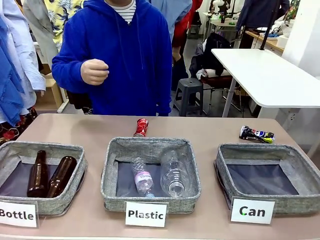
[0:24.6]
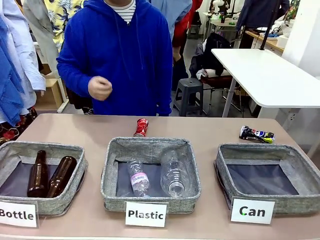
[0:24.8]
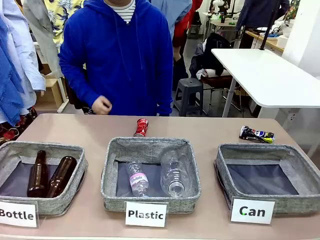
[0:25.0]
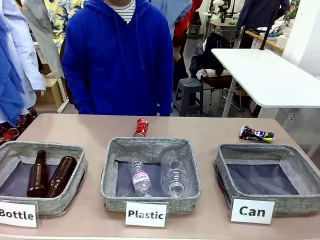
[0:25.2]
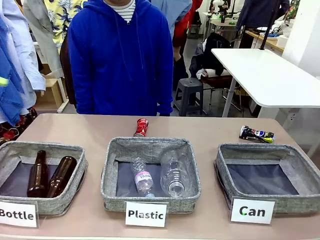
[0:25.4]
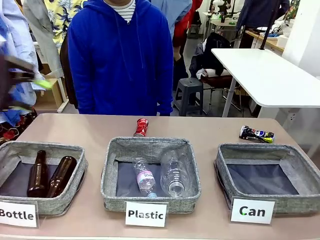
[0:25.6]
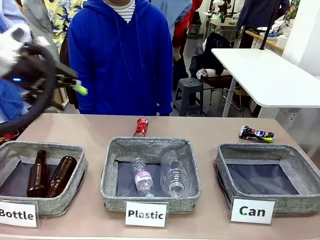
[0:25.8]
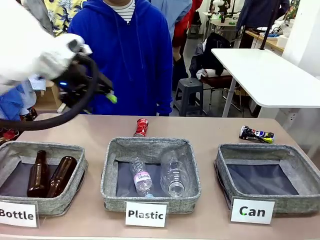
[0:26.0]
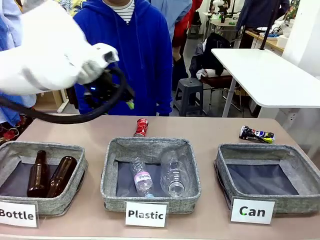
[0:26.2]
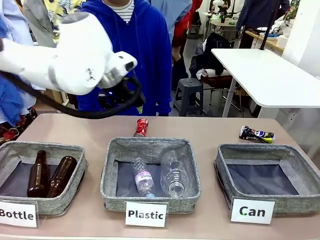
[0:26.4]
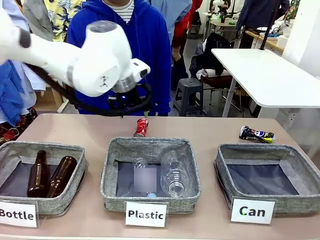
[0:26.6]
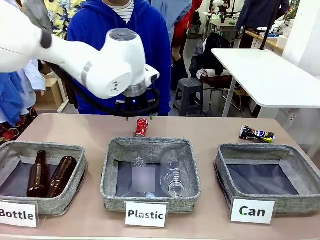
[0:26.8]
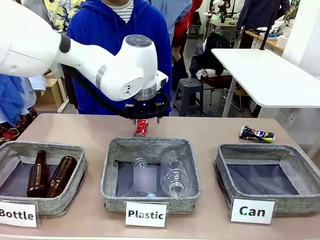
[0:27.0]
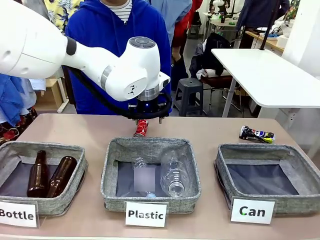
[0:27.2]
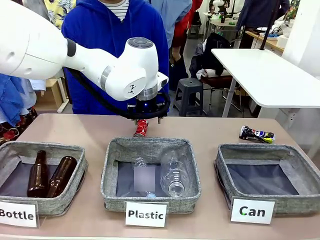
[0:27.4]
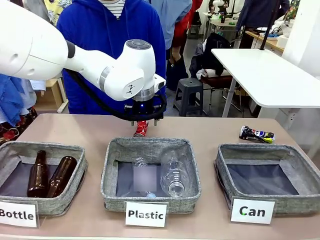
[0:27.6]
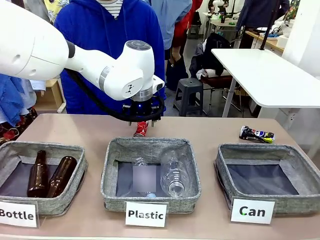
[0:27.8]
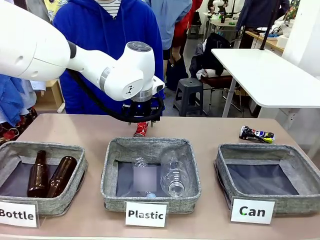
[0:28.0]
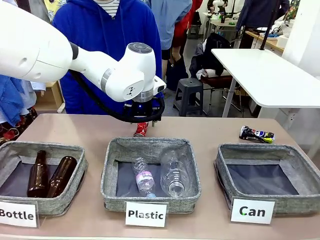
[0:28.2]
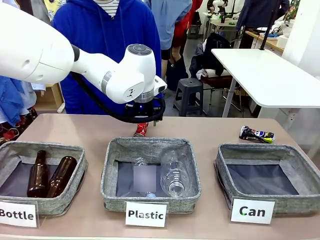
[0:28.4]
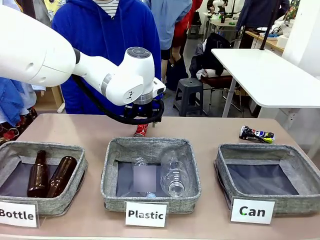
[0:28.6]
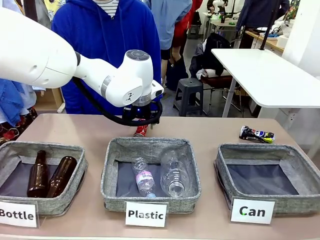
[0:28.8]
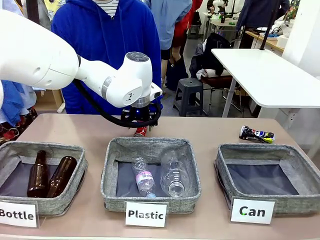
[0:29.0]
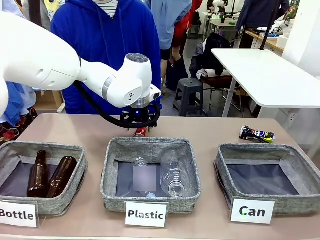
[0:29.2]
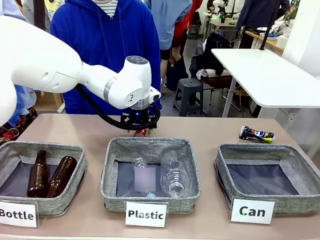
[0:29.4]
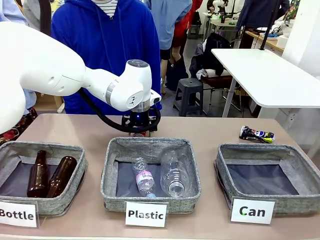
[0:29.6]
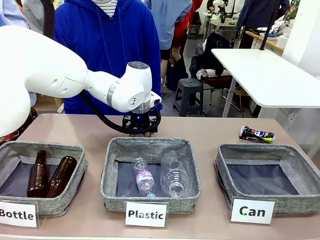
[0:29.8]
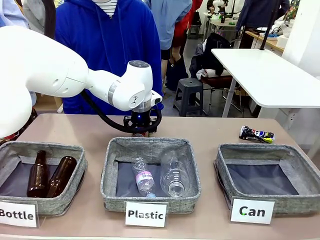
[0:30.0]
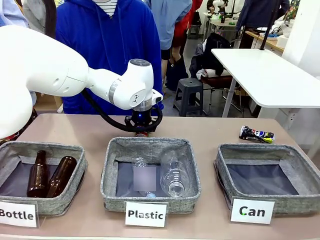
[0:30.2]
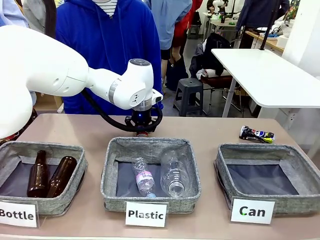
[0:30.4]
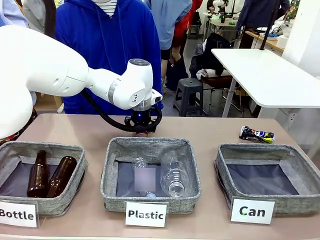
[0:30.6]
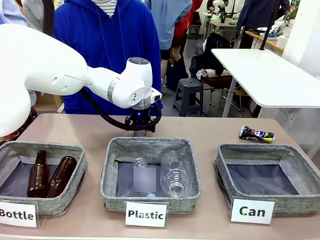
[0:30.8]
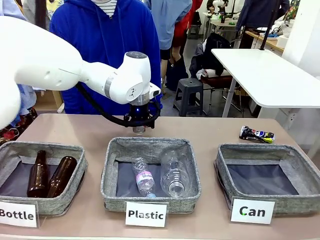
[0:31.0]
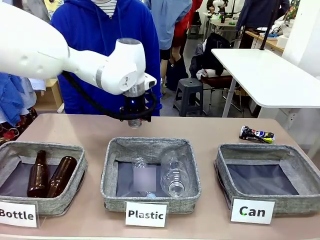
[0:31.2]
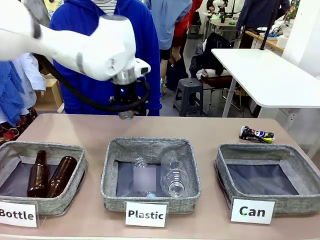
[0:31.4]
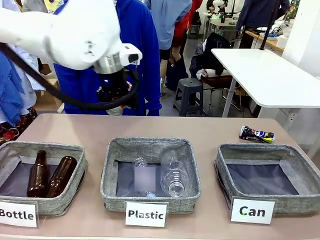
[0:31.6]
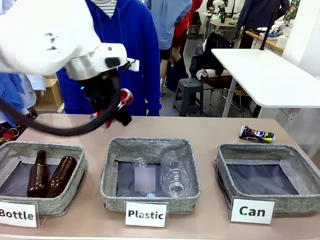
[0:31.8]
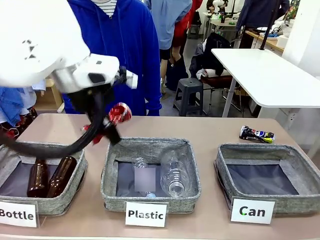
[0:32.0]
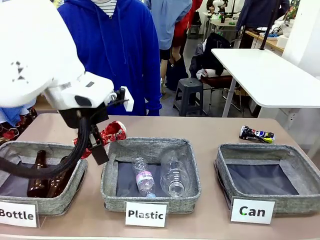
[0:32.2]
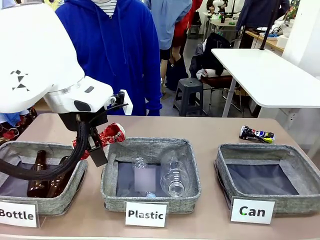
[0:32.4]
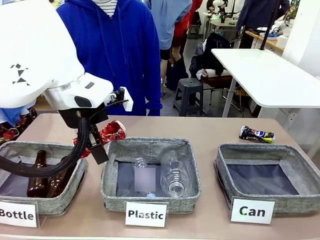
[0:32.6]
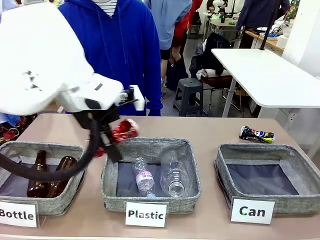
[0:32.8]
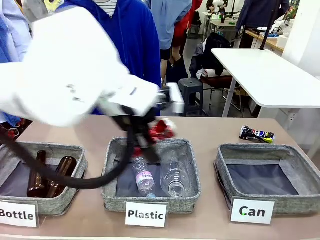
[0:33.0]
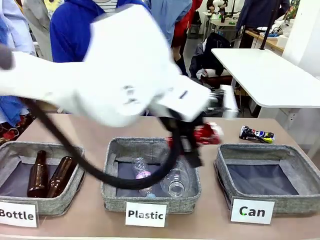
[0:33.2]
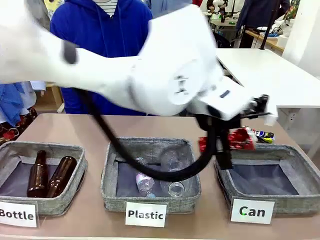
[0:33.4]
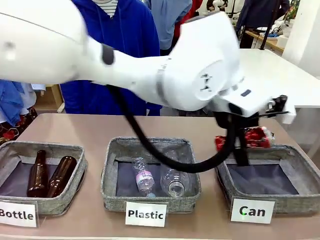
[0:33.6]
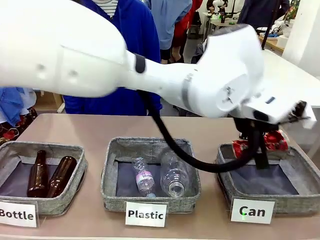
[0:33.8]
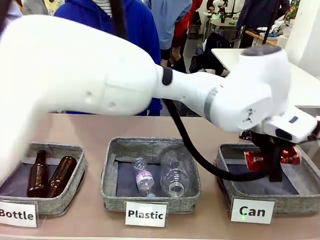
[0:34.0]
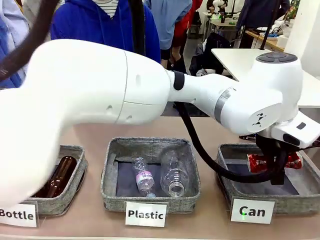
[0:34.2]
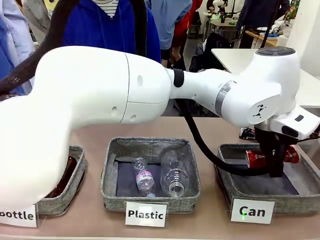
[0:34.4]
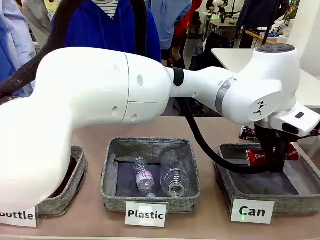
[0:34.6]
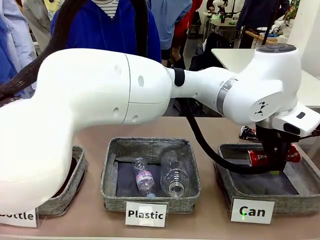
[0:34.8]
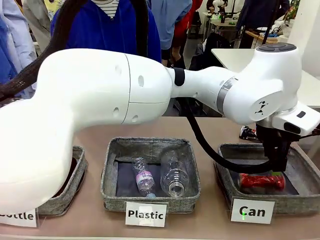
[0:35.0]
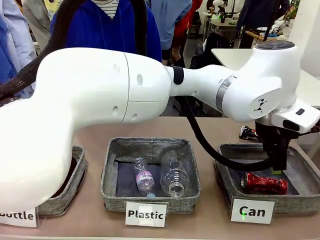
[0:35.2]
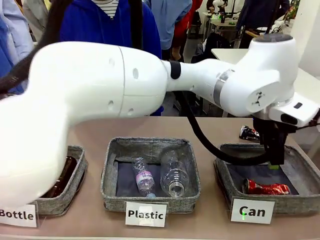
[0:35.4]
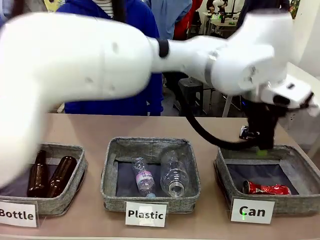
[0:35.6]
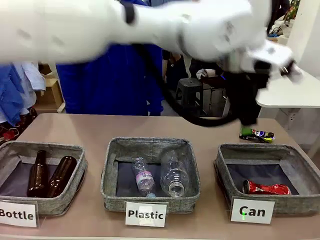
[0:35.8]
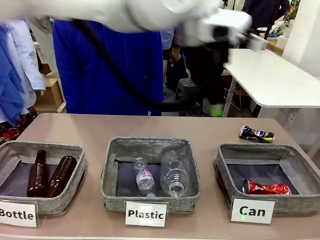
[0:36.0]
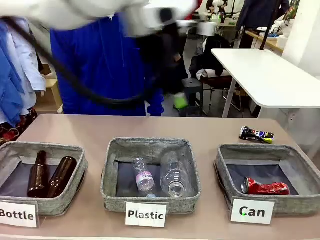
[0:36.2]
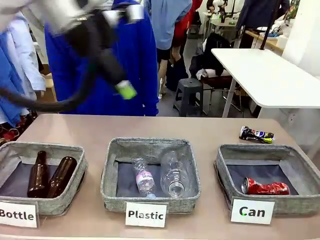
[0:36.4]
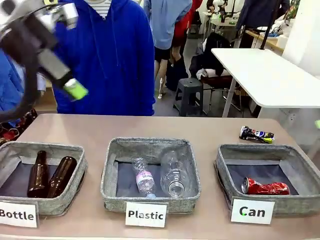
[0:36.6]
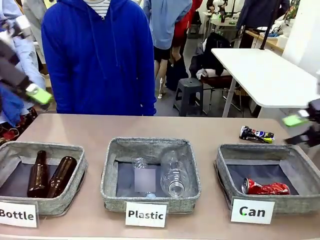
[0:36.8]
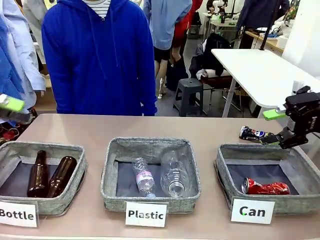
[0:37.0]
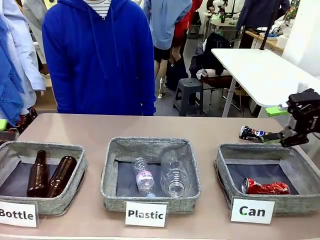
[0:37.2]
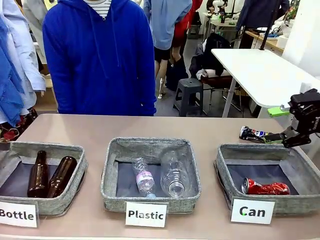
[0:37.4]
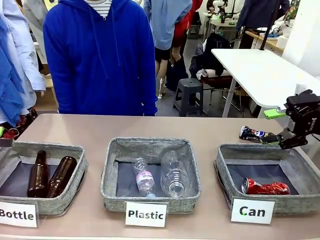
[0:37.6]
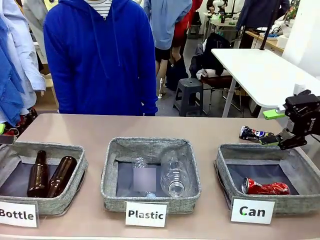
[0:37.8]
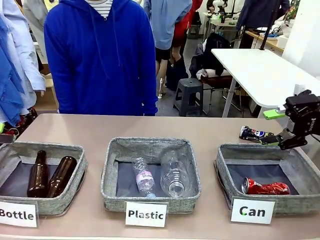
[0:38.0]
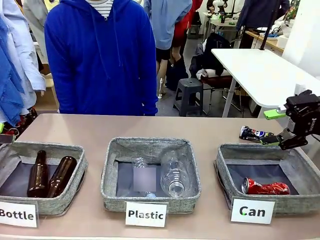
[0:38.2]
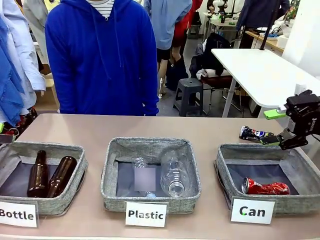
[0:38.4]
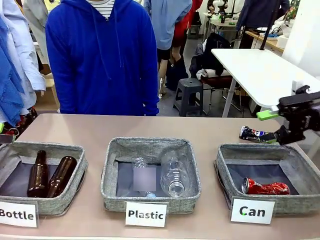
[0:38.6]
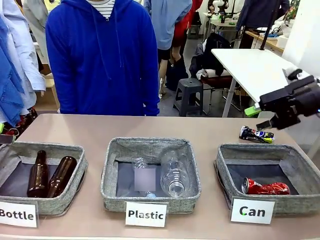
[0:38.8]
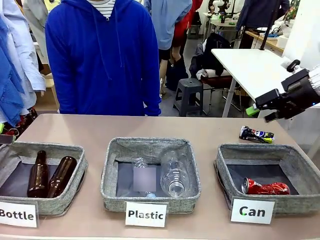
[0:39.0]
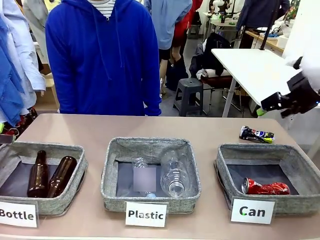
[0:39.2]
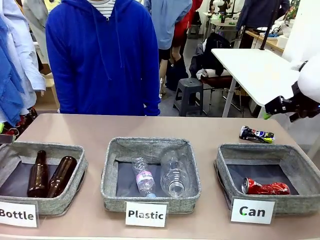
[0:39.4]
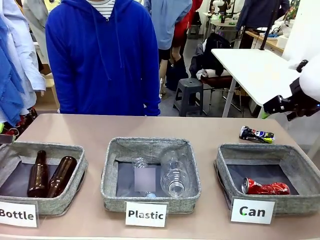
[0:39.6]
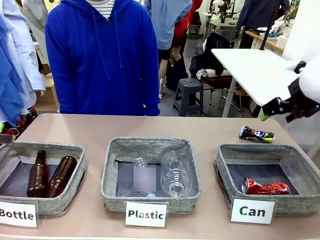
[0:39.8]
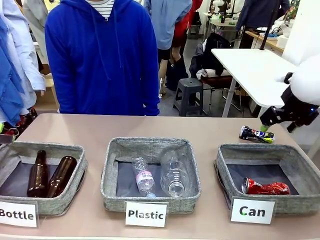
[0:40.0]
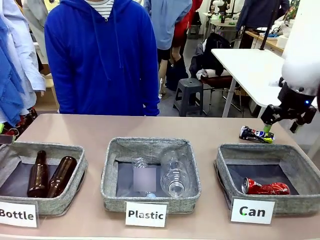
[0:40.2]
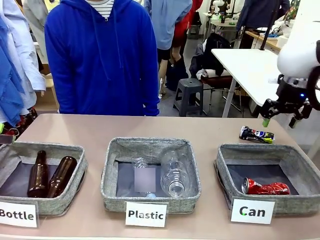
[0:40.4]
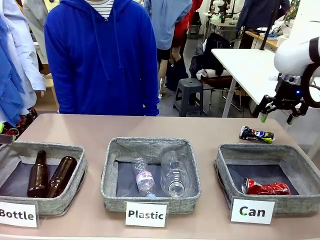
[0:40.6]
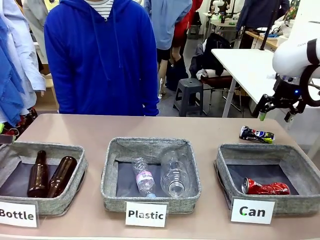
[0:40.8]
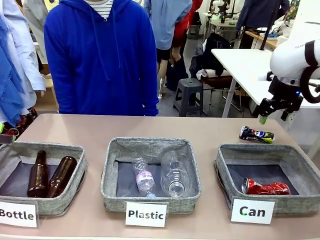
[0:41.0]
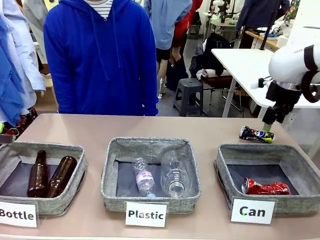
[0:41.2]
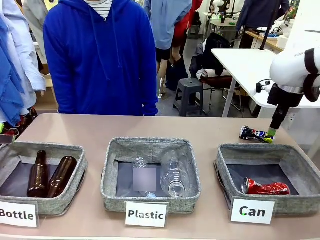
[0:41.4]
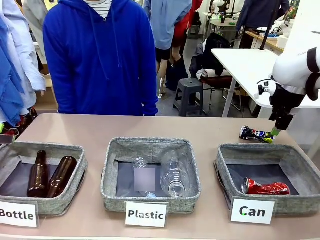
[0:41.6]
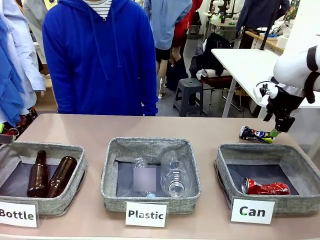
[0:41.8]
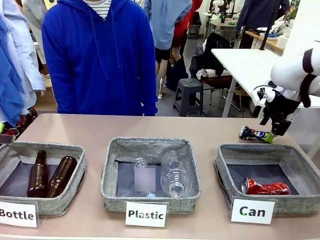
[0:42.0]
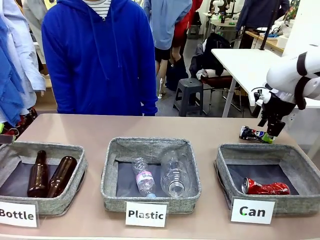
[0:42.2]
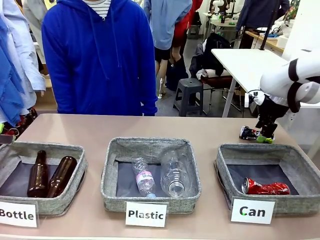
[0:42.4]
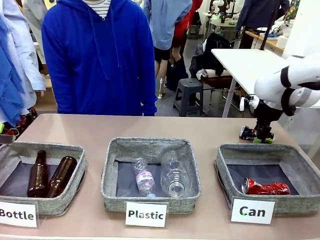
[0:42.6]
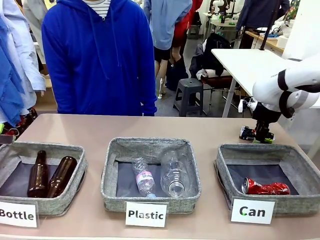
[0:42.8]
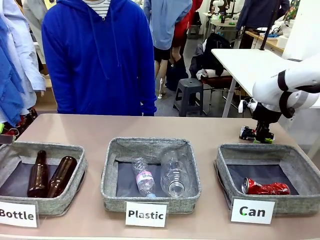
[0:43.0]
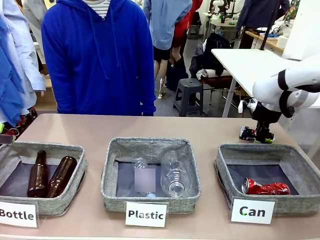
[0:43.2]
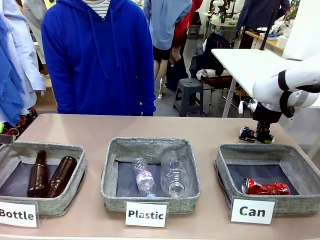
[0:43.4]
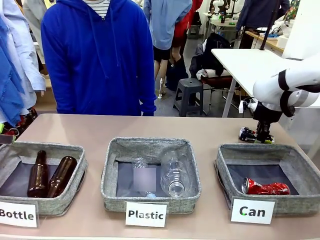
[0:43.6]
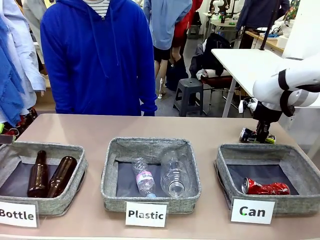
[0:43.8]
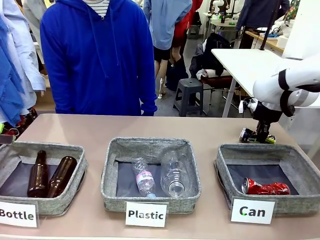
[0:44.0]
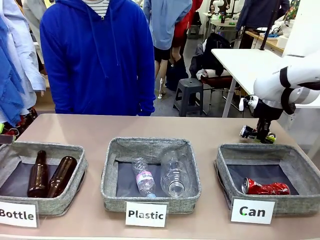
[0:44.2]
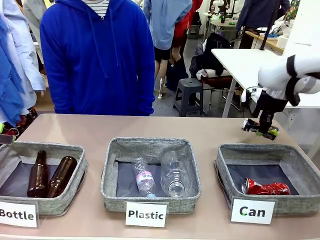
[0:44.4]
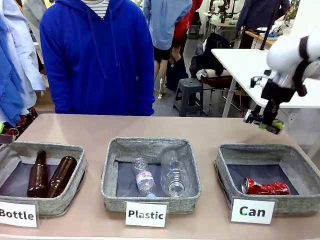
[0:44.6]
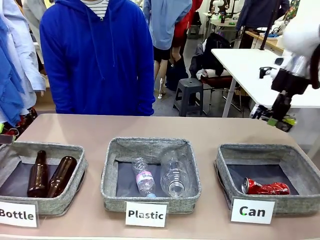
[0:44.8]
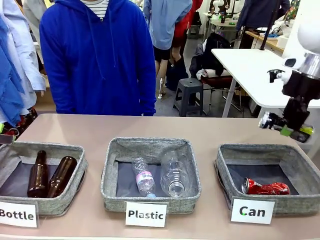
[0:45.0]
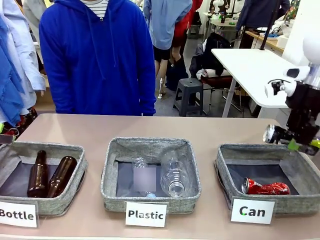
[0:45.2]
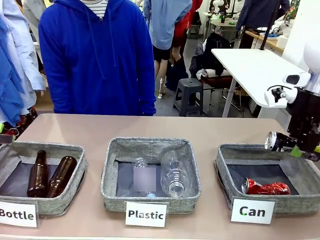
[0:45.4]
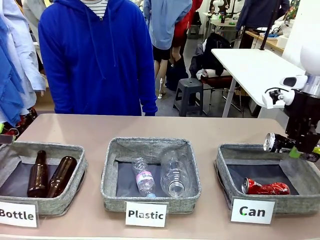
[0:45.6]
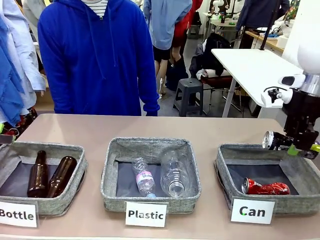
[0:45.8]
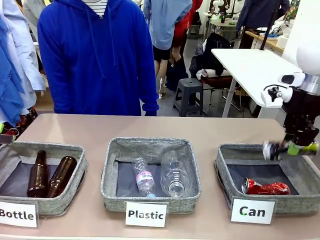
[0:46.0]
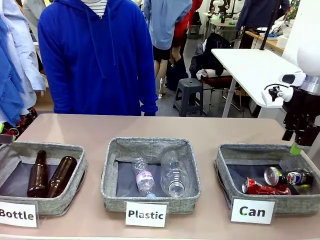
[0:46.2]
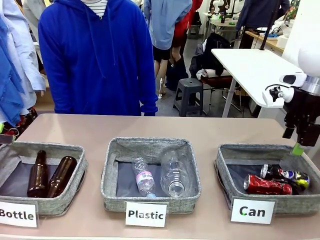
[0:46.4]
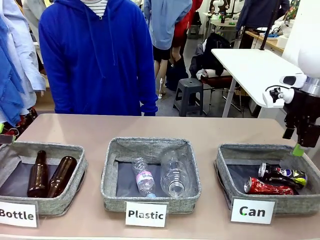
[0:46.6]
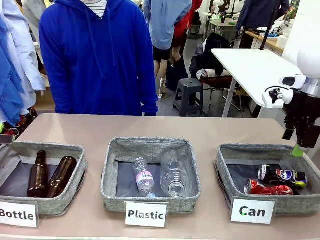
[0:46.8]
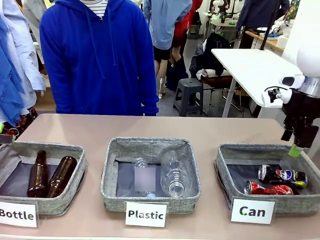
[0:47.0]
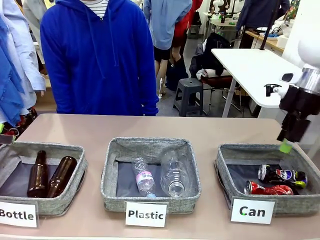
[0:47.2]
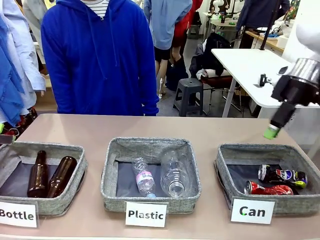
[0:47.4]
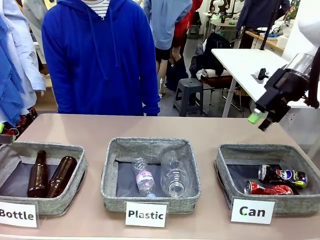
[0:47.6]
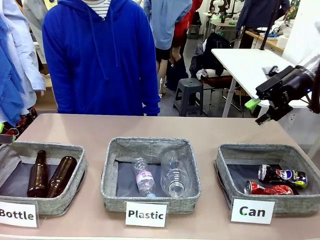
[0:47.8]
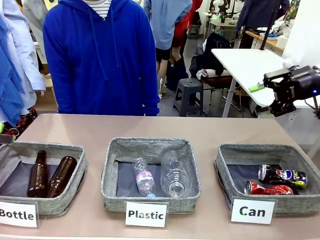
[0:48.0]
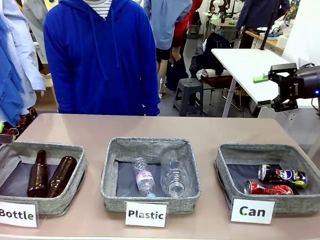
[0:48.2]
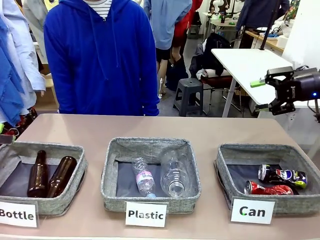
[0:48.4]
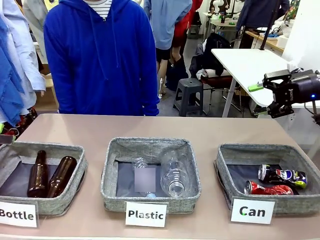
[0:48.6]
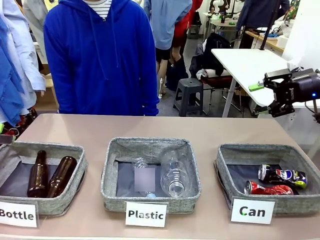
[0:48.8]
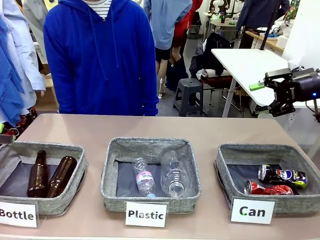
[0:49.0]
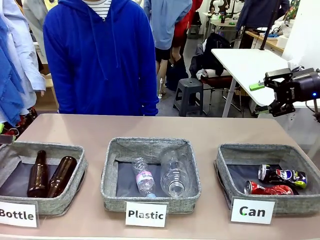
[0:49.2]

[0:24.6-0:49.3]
Task: Sort the can waste into the basket.
Robot: Pick up the can waste from the table and place it in the right Fabric basket.
Person: The human picks up one piece of trash that is not a can and places the trash into the appropriate organizing basket.
